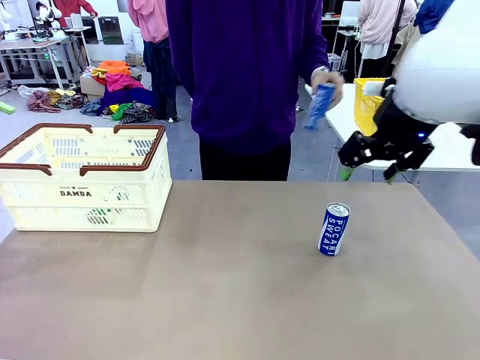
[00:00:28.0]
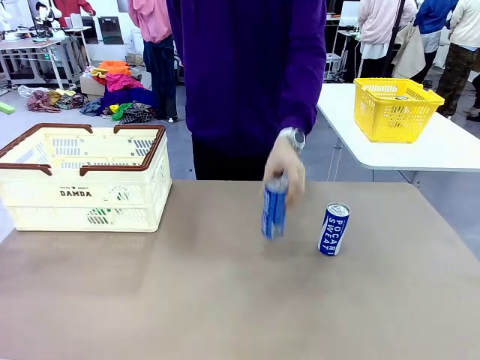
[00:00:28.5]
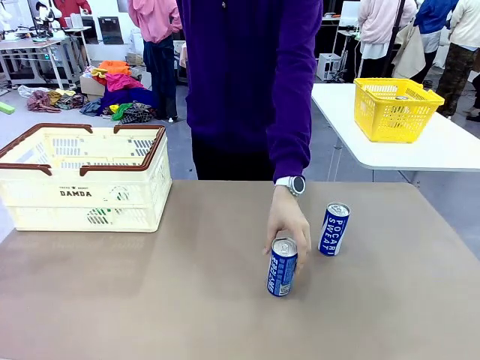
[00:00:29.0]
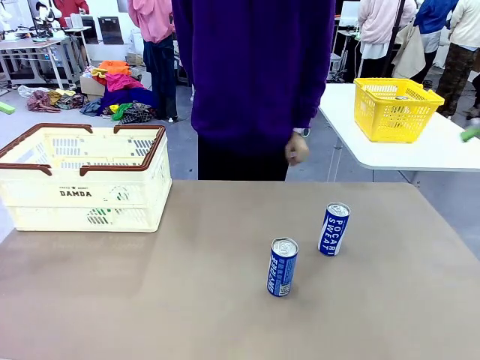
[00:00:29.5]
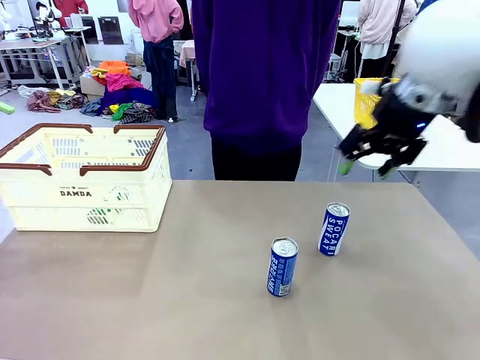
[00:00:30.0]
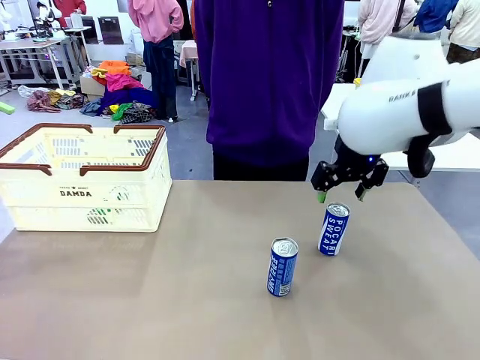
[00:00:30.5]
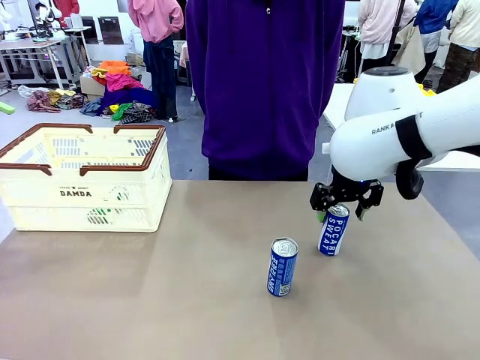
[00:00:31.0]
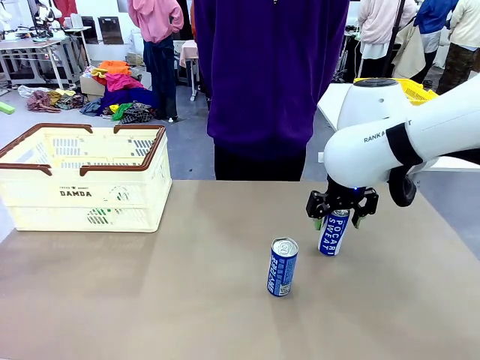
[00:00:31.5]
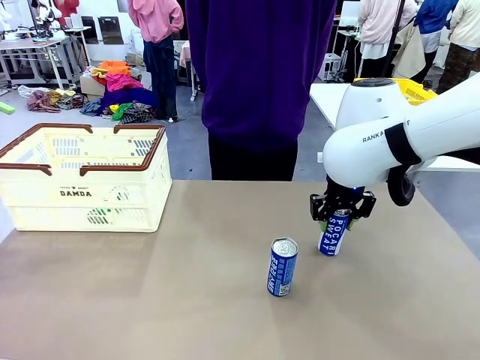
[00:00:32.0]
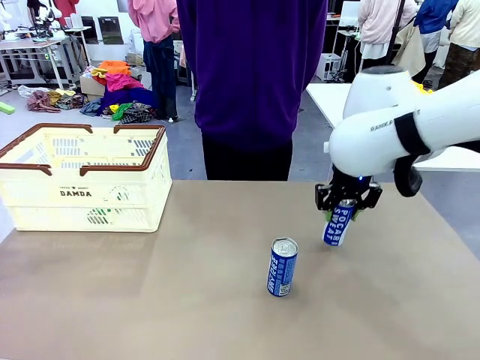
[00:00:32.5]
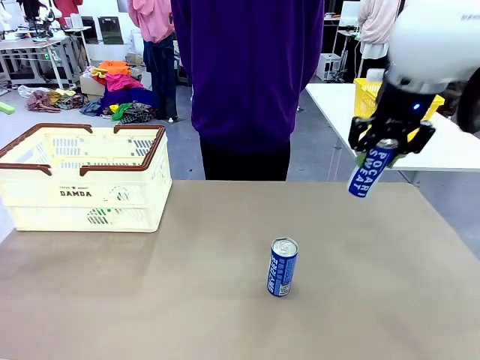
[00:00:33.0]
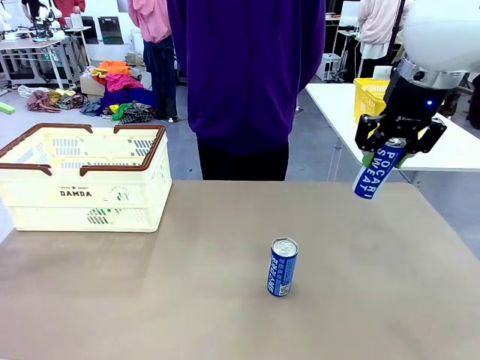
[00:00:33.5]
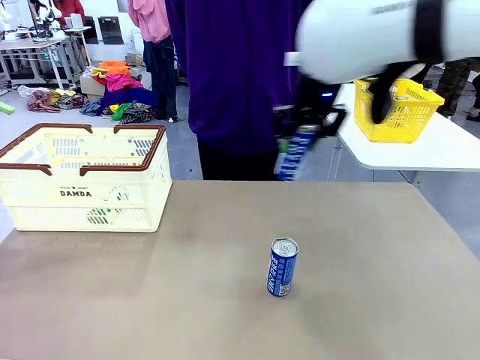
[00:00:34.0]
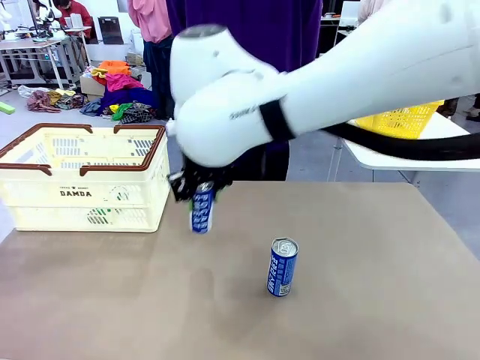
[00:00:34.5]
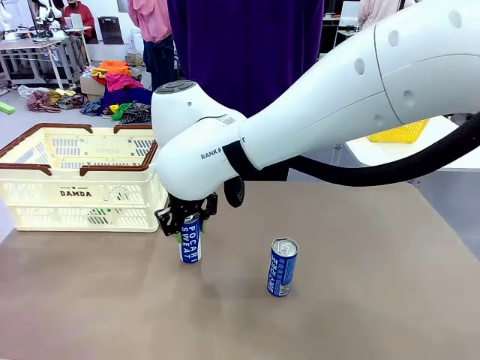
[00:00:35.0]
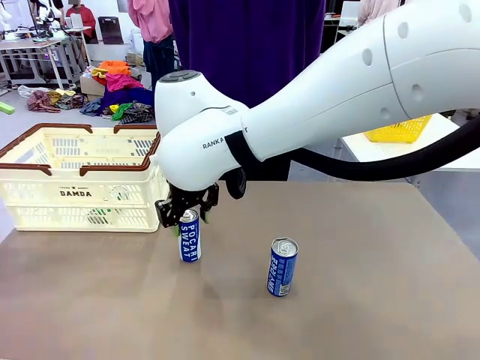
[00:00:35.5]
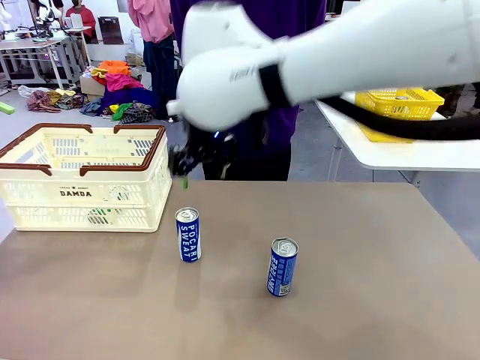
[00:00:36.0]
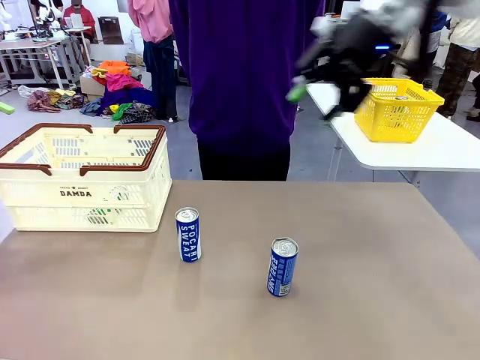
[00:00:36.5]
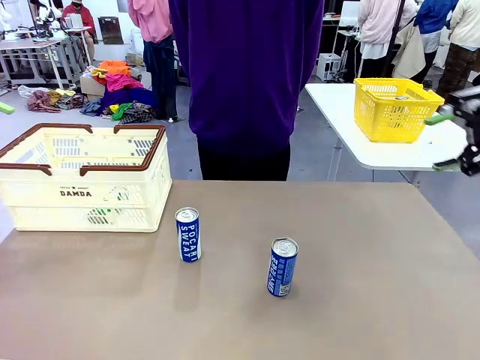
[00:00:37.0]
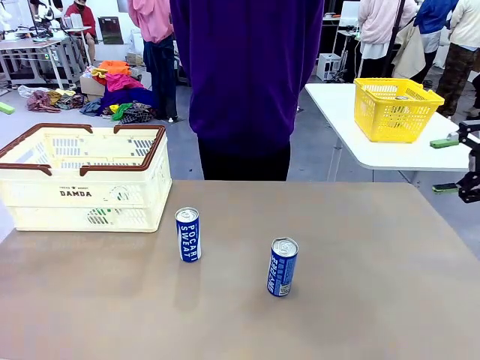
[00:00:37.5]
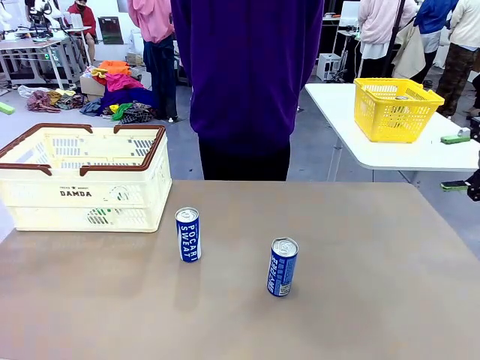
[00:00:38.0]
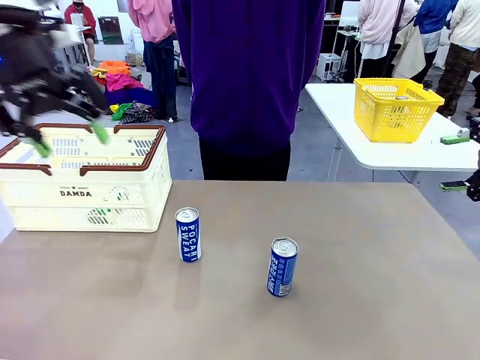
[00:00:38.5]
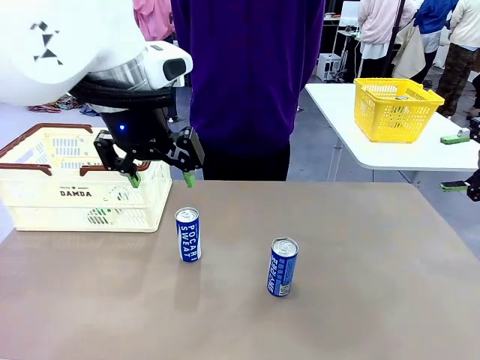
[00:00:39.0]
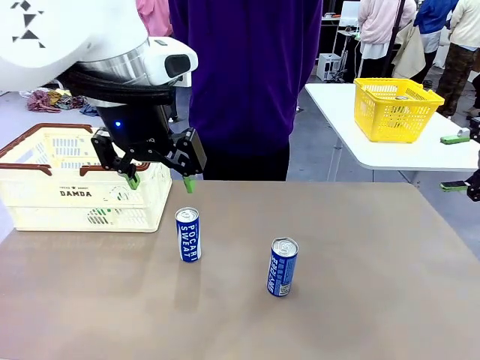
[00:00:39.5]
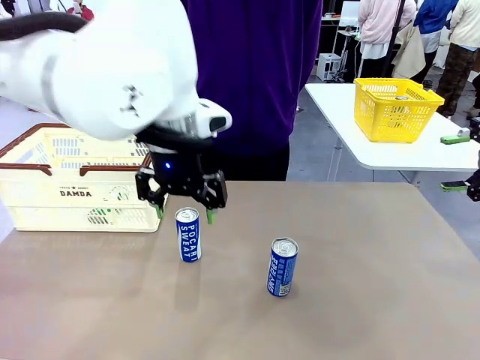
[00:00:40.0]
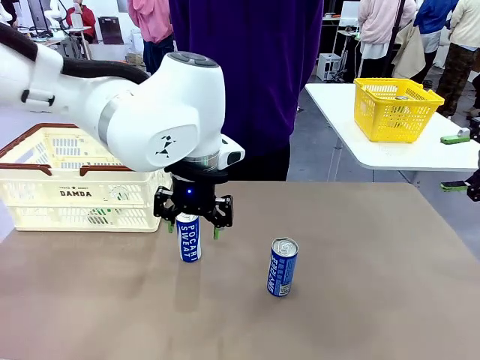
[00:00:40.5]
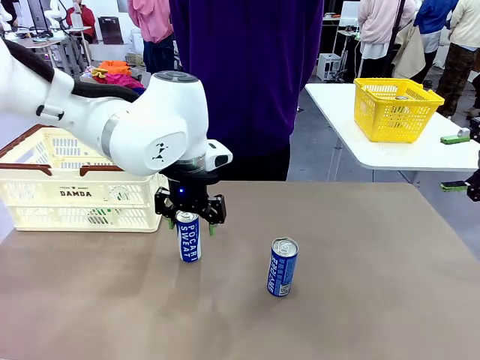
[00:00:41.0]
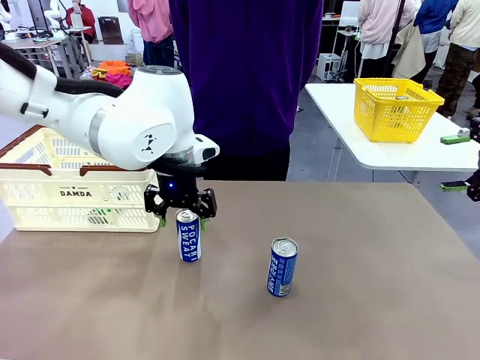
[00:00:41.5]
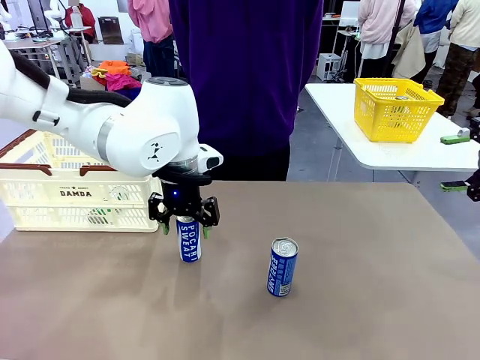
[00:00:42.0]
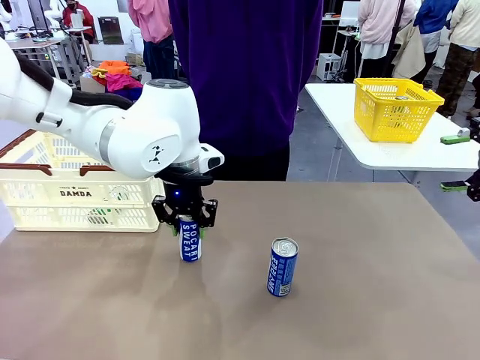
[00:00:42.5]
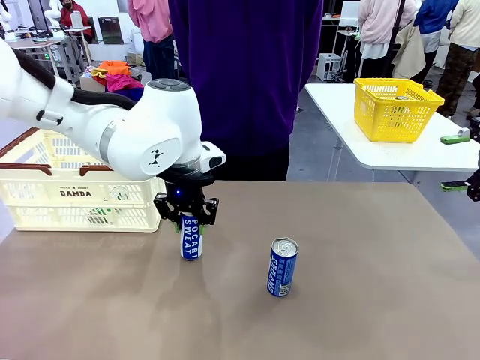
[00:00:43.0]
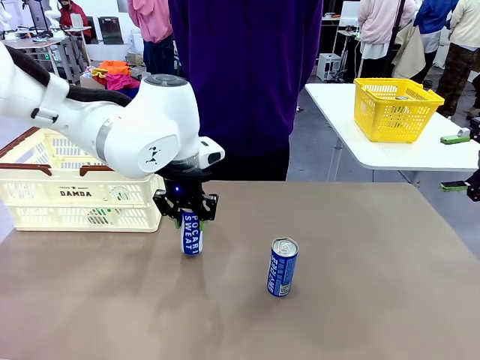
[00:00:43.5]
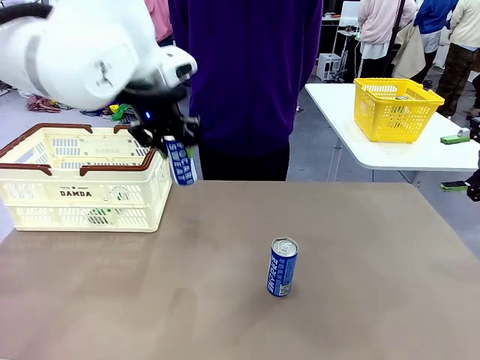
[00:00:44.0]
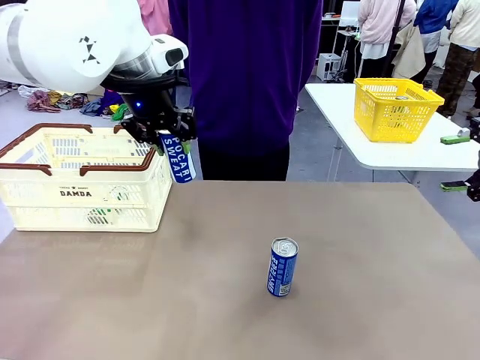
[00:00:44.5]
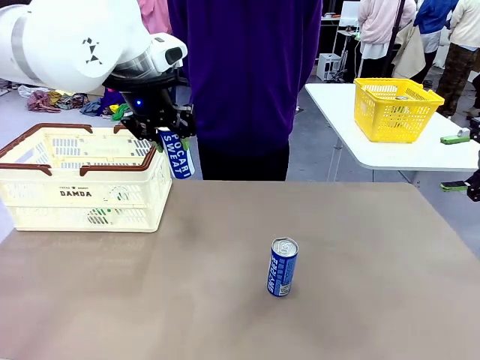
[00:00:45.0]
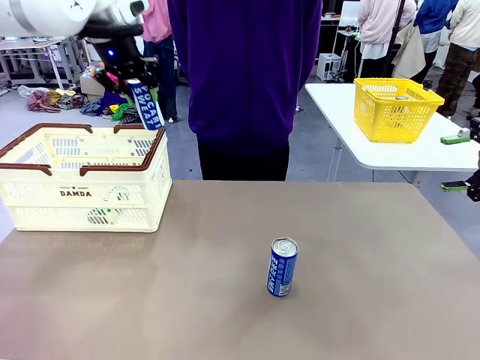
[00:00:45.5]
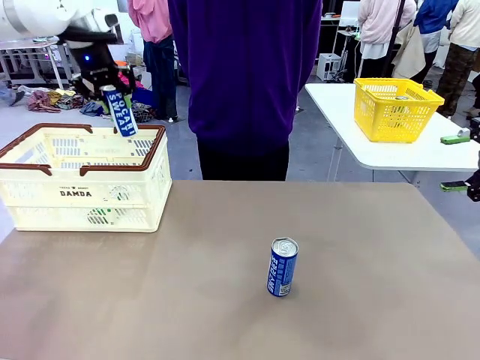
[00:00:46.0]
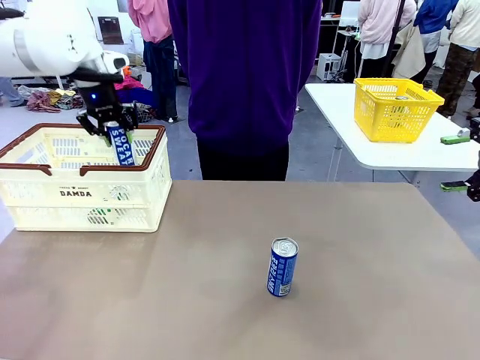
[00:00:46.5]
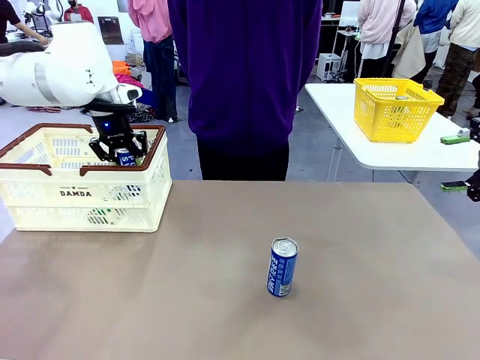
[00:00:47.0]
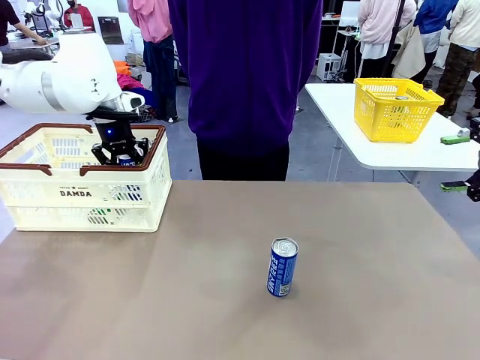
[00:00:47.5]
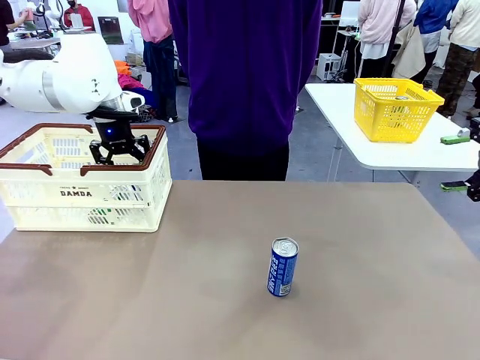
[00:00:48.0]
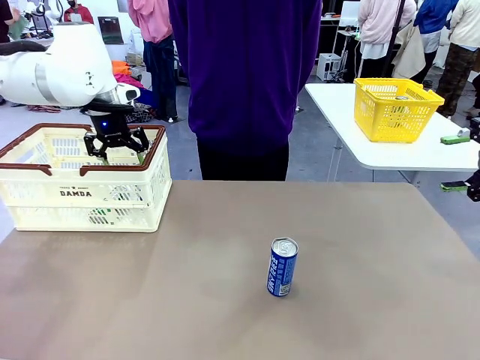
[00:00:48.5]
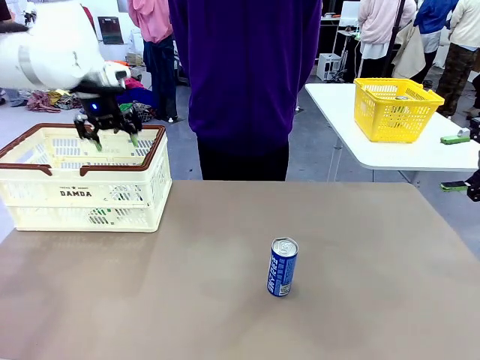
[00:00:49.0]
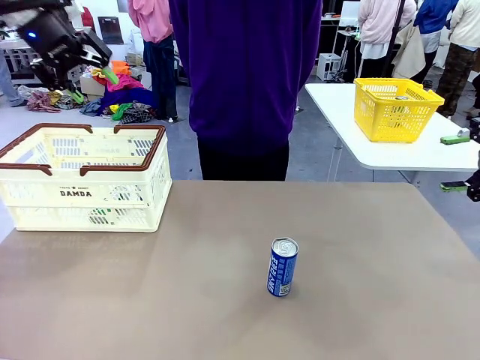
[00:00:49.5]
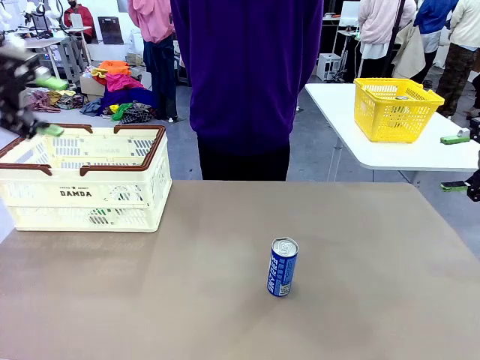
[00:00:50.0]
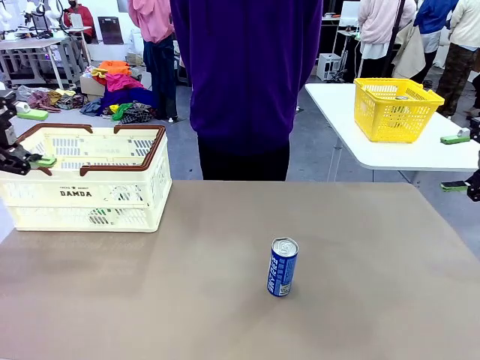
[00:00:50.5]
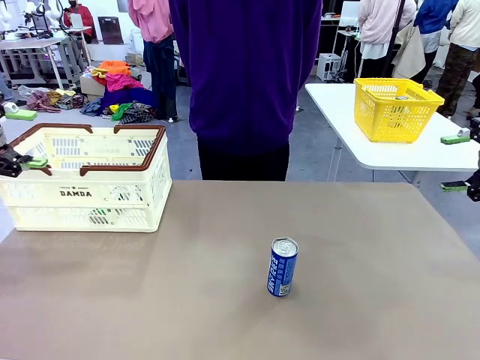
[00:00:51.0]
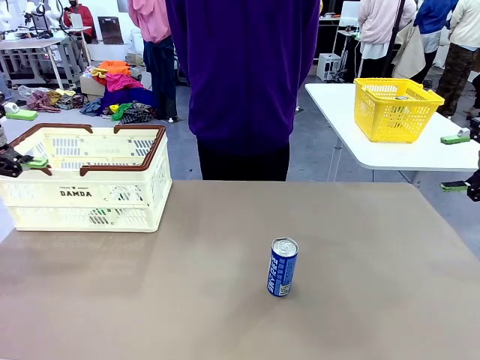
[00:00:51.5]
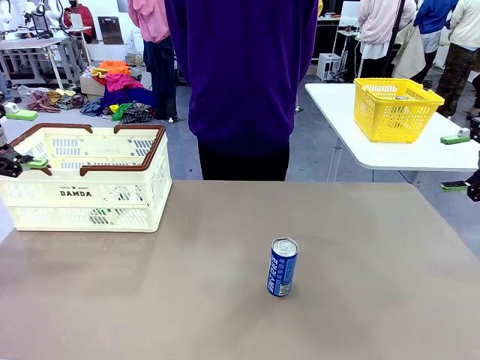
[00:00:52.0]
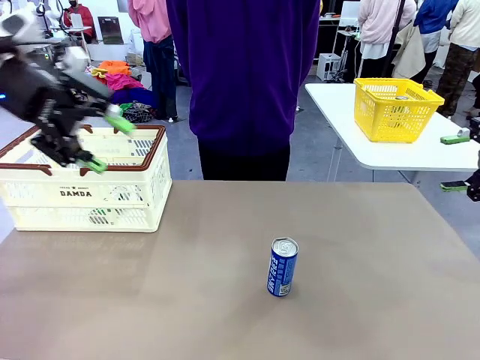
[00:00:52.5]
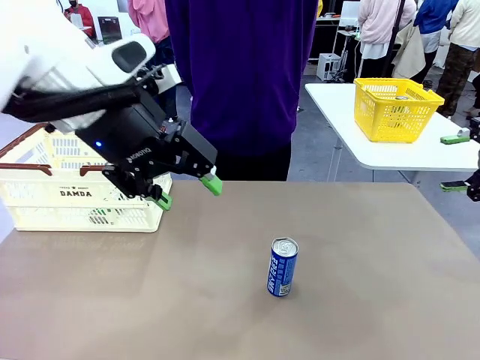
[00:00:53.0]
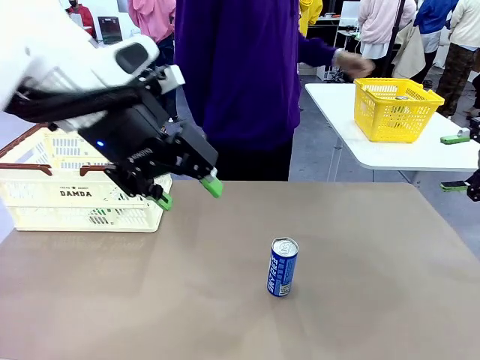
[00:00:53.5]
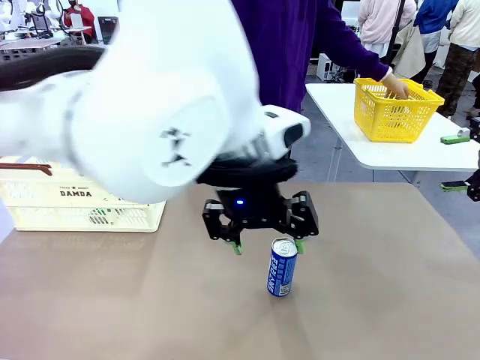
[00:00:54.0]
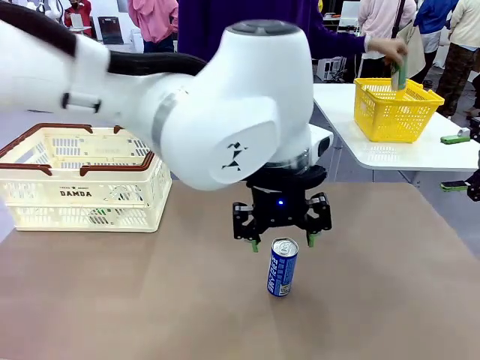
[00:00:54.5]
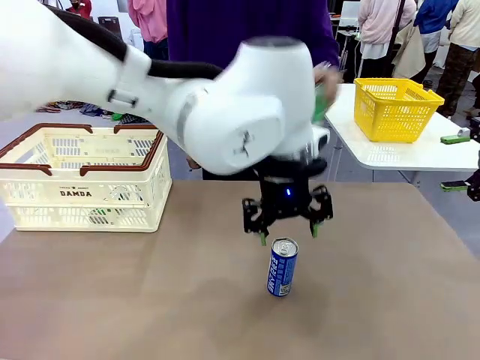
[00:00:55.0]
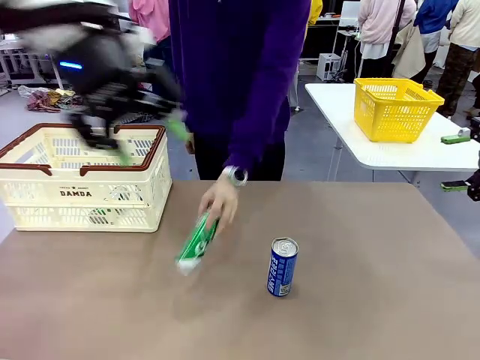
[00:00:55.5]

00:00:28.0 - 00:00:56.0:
Task: Place the drinks into the Shopping basket.
Robot: Pick up one drink and place it into the Shopping basket.
